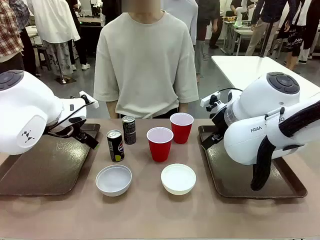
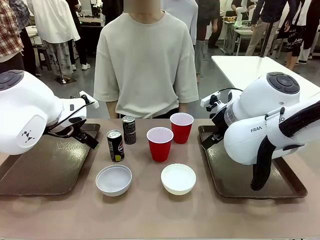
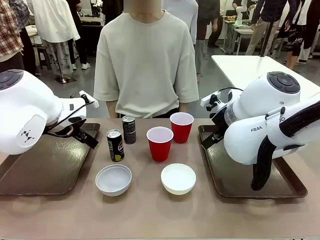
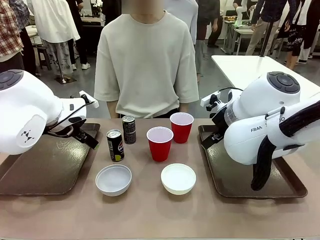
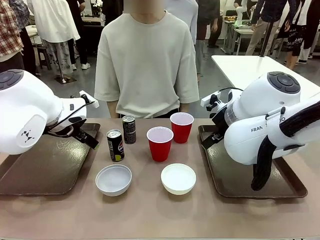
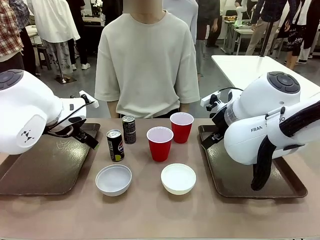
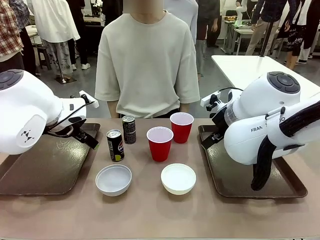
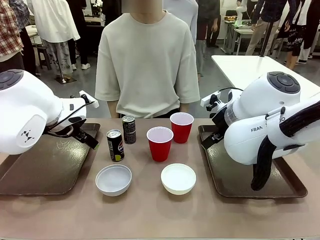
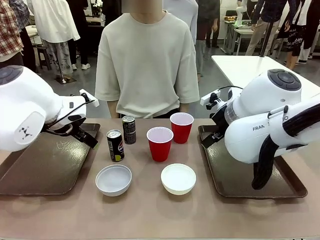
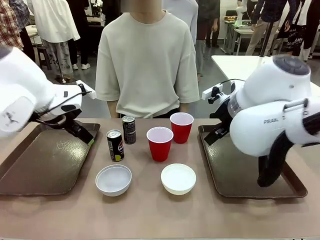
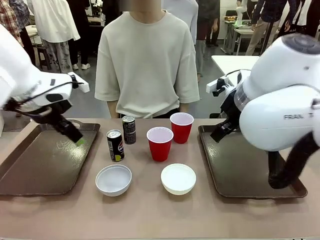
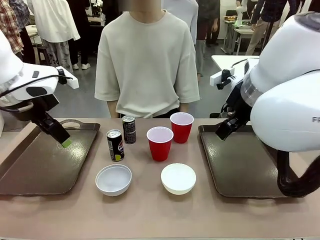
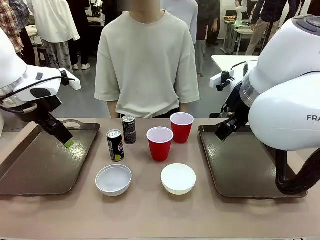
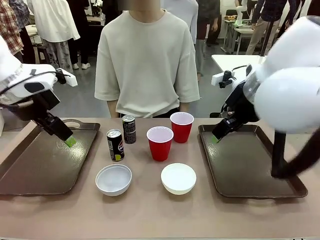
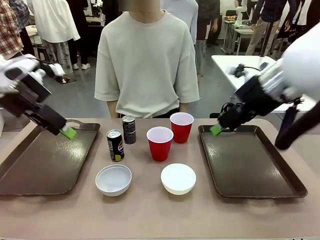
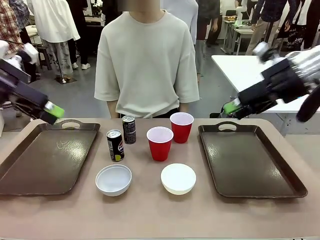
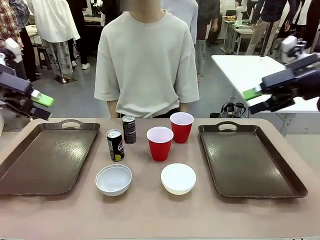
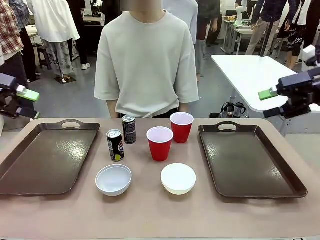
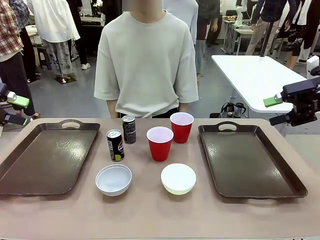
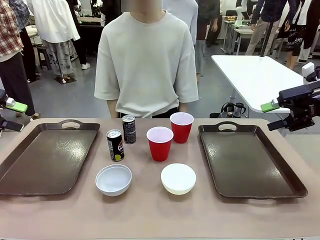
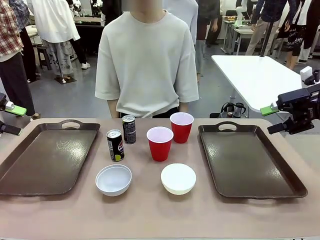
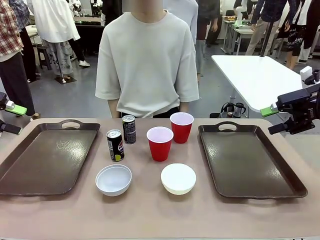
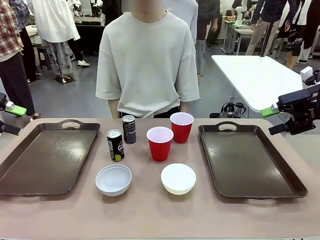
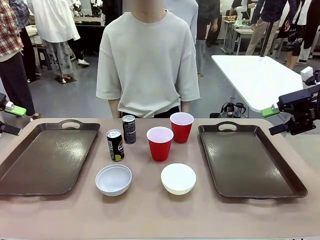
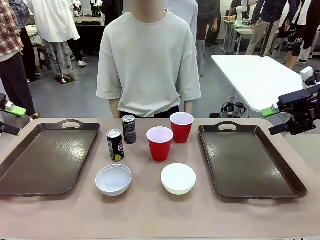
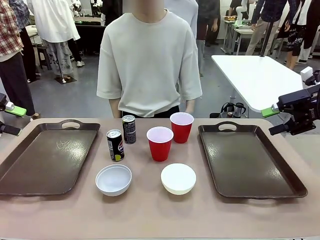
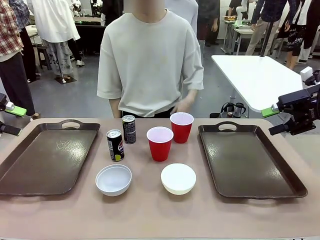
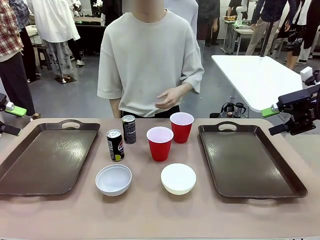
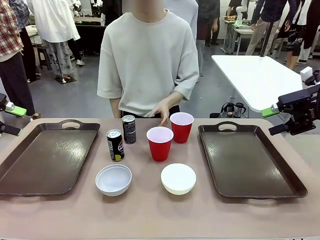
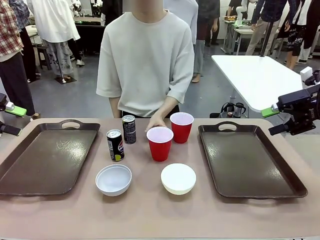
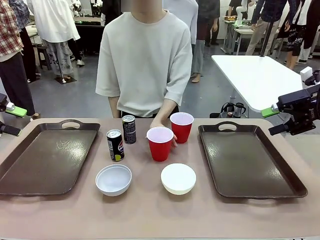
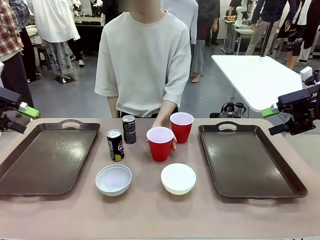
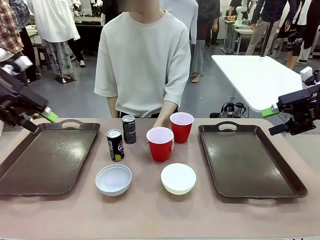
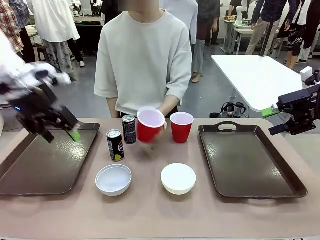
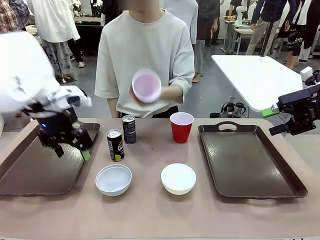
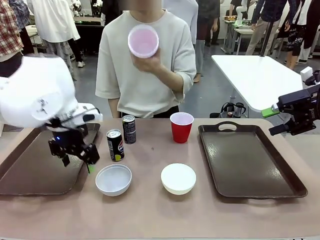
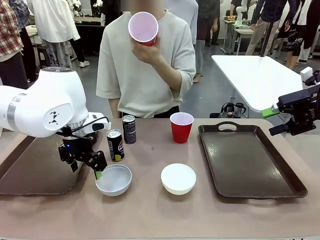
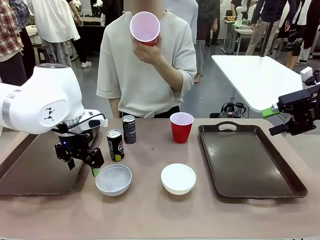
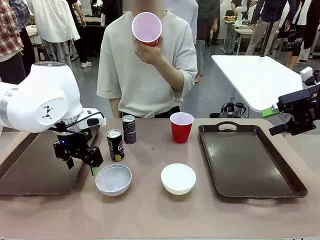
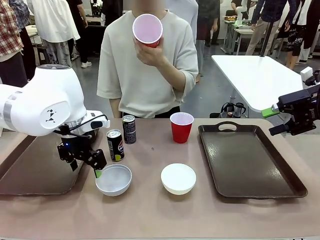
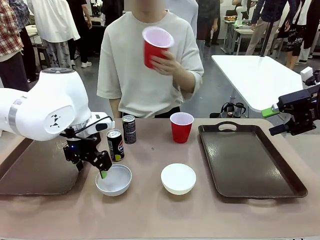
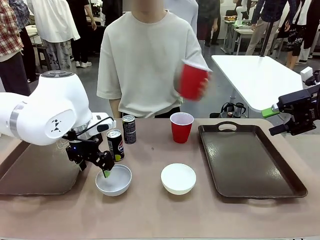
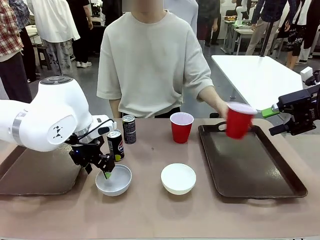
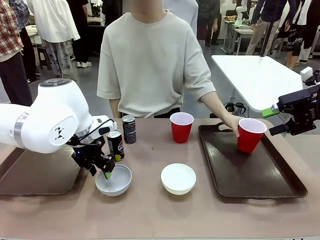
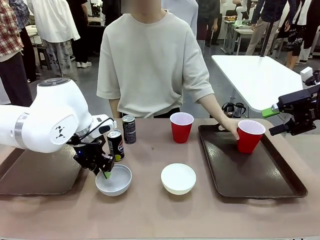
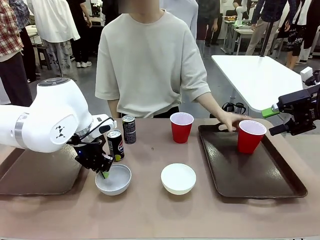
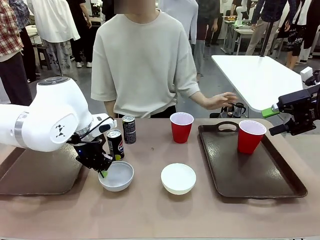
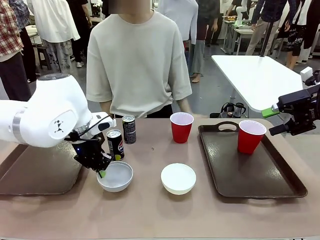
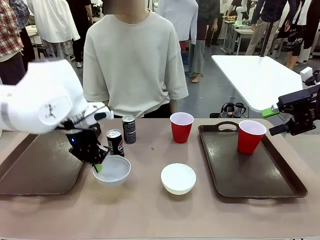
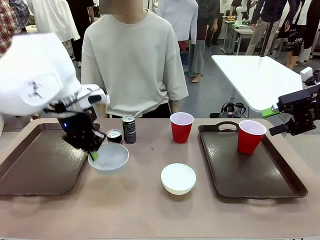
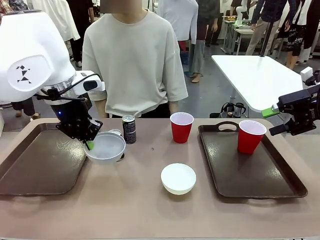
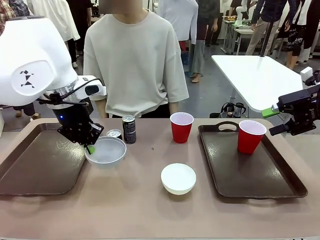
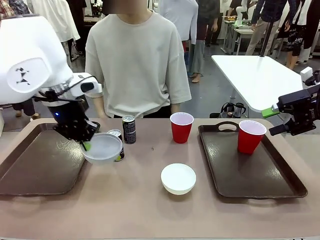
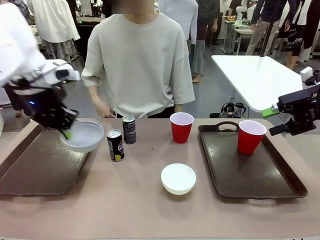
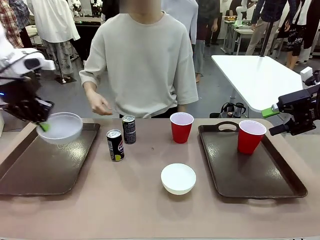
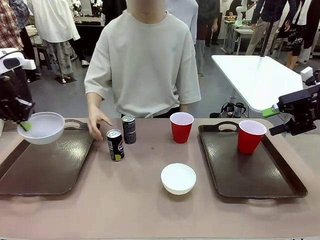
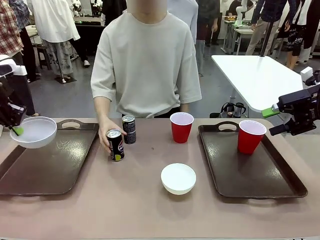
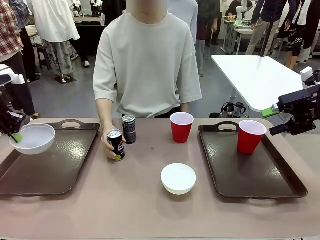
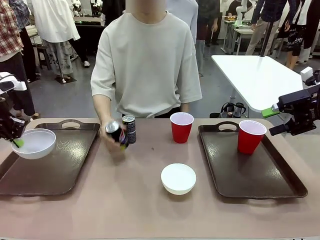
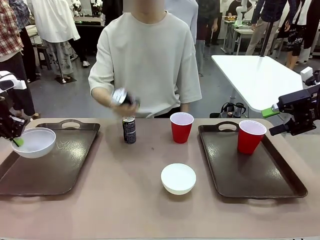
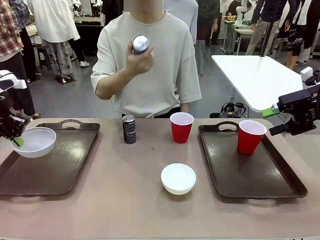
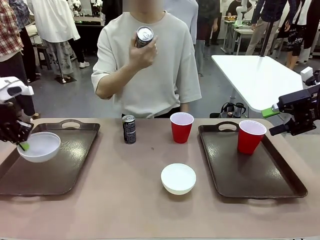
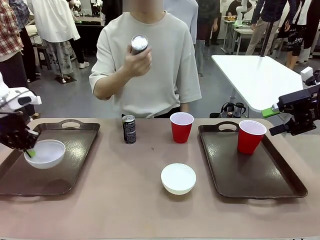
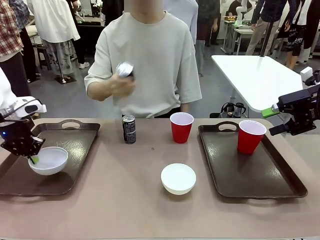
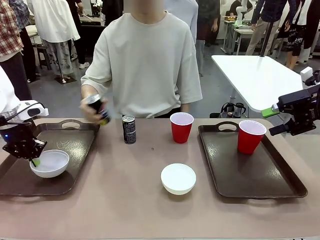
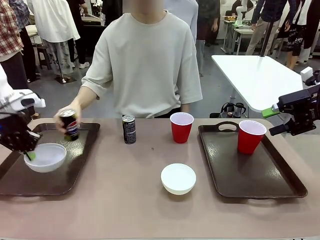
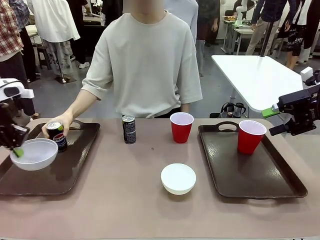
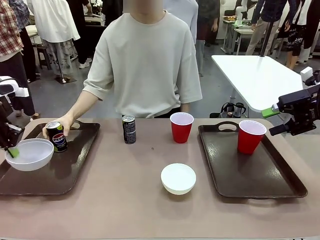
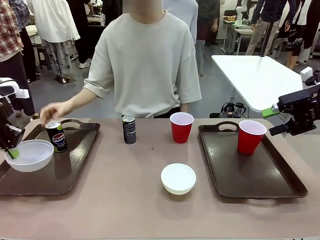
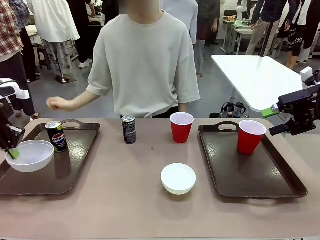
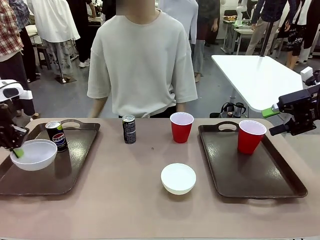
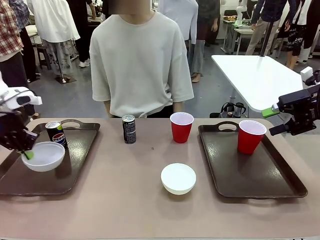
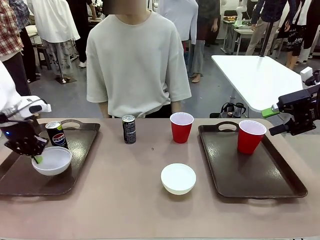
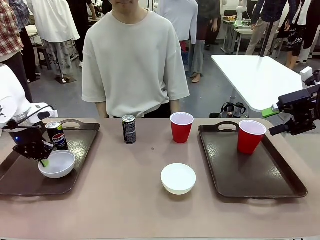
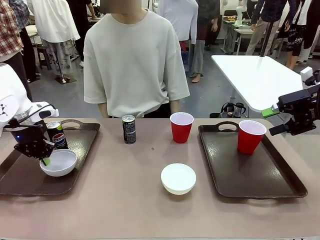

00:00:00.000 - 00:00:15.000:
Task: Prepare tableware on both trays.
Robot: Pick up a Picnic Bowl from the table and place it on a Handle tray.
Person: Pick up a can or cup and place it on the tray.
